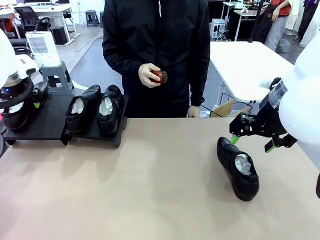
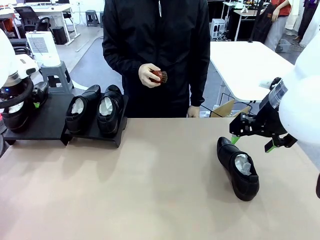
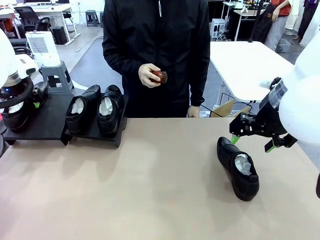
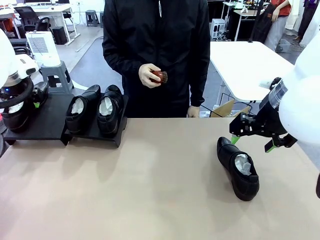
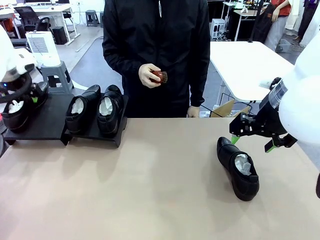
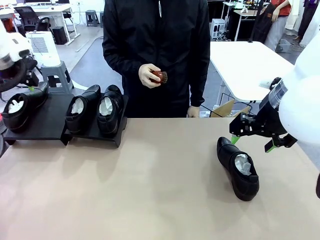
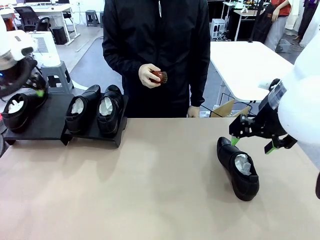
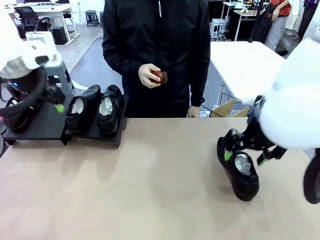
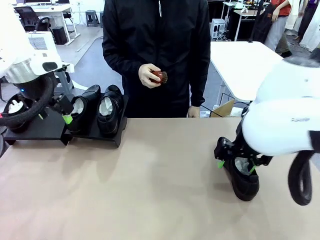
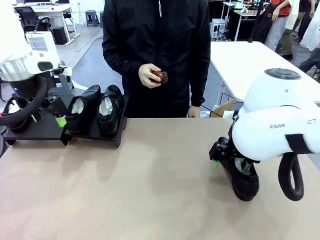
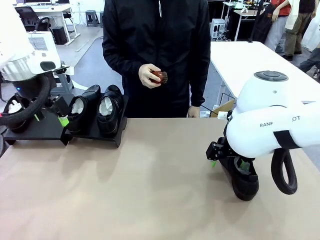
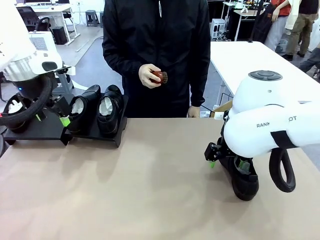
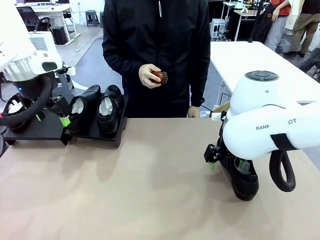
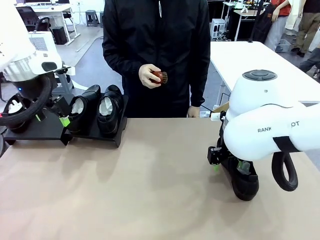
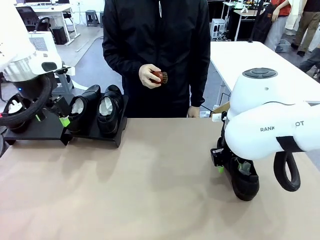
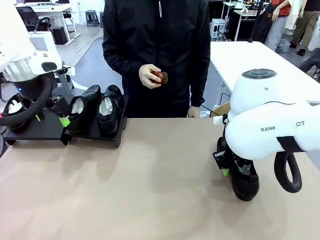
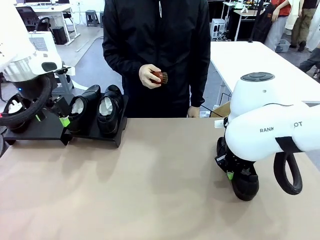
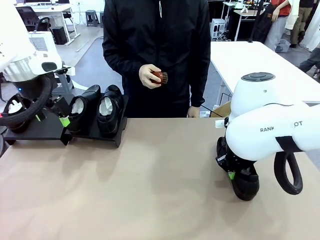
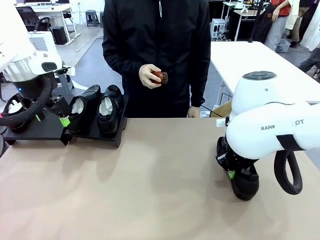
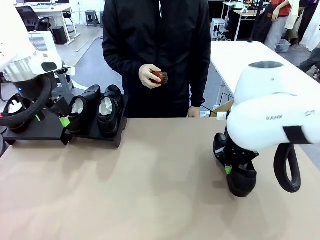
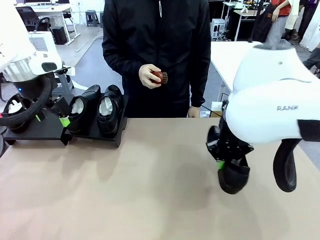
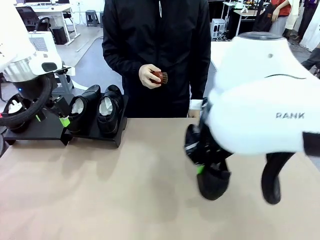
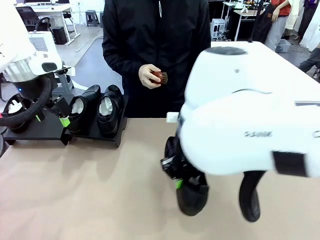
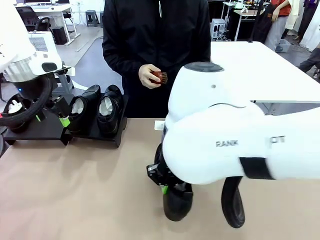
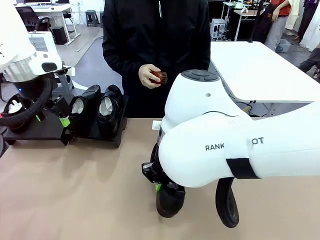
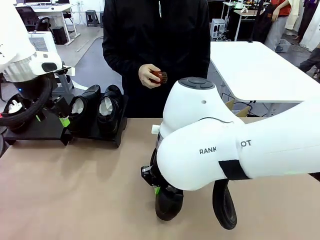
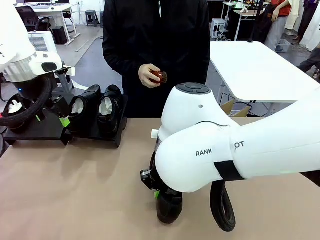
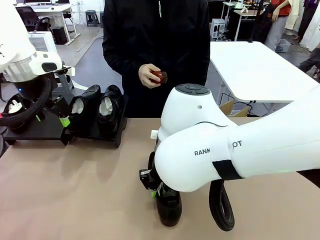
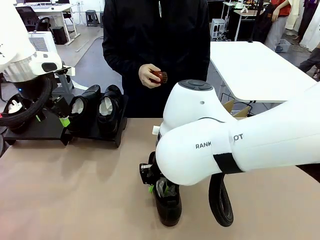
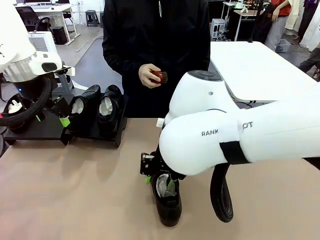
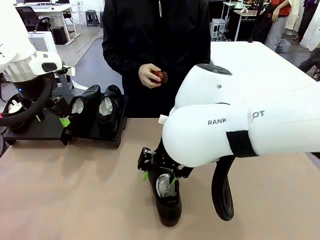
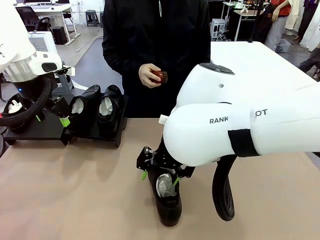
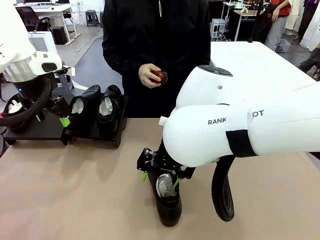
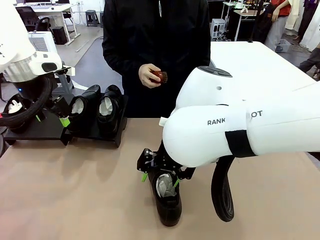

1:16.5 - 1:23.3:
Task: Organize the shoes by placing them on the stand.
Robot: Pick up one Shoe and place it in the middle of the table.

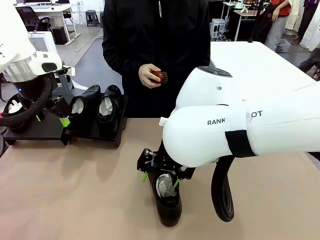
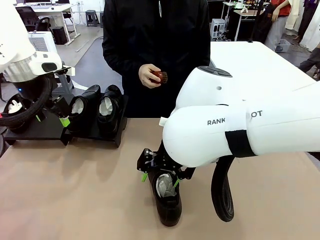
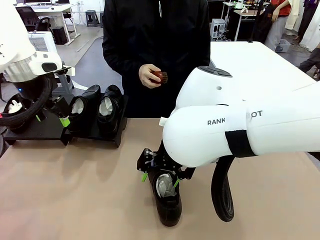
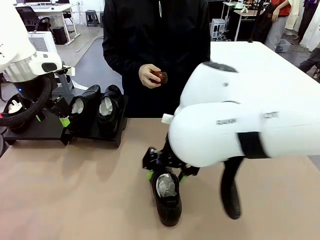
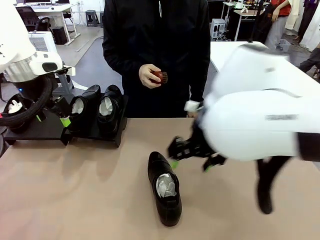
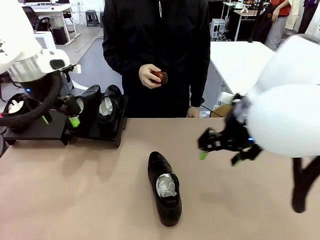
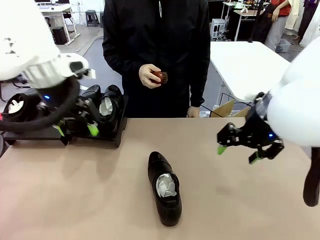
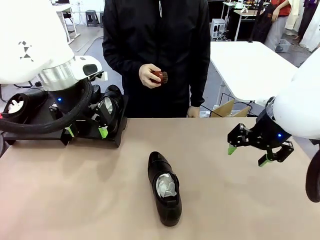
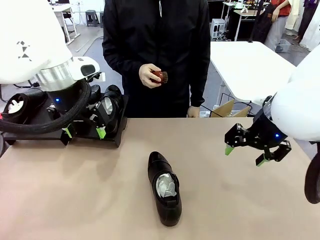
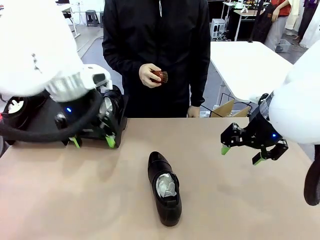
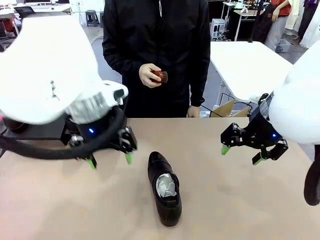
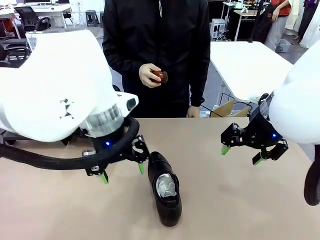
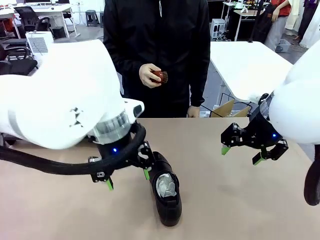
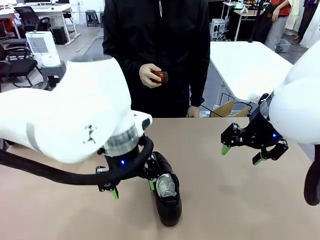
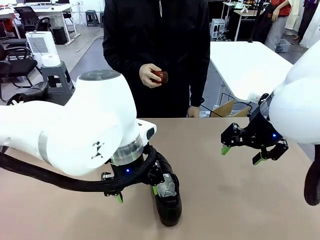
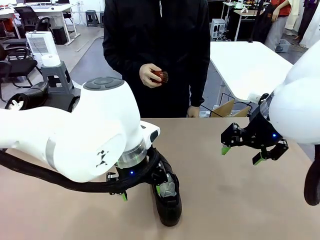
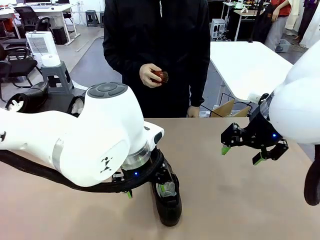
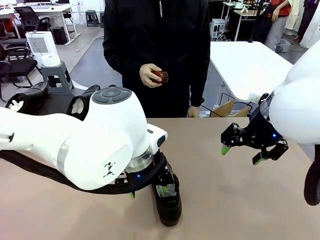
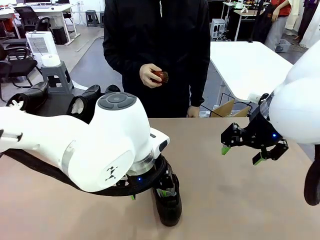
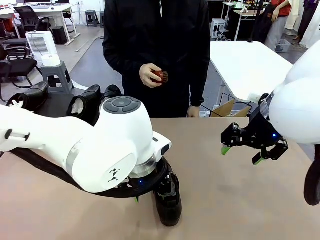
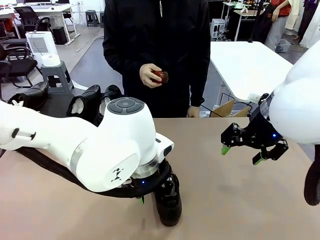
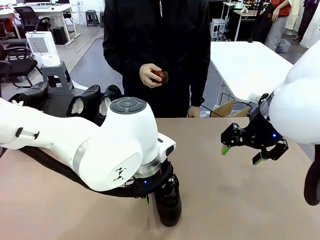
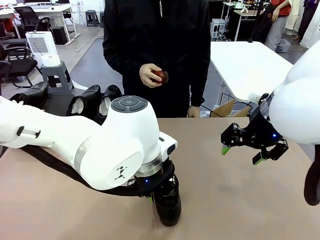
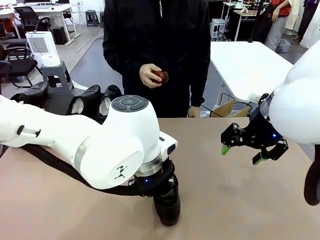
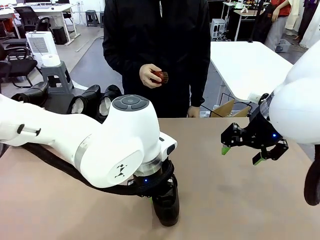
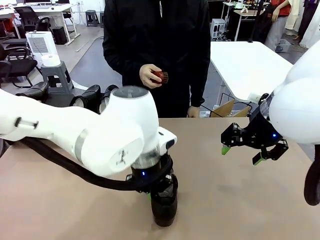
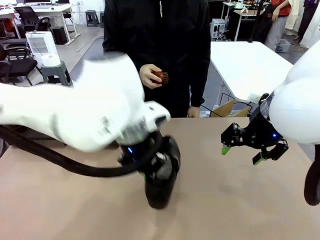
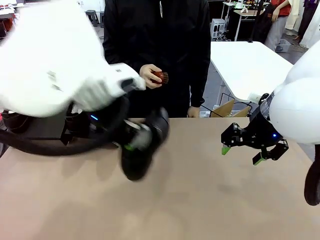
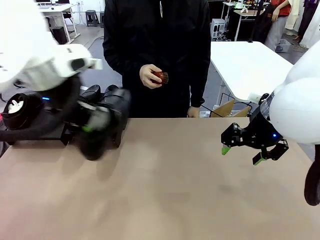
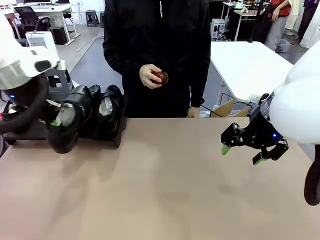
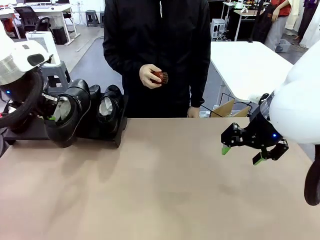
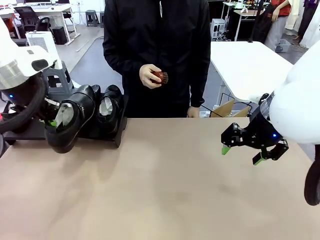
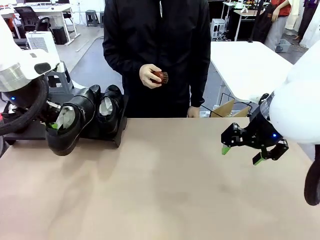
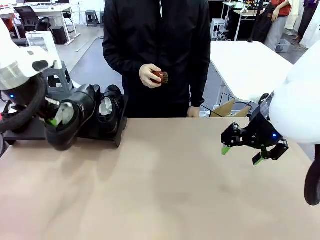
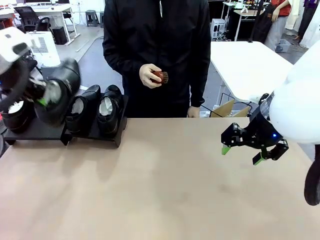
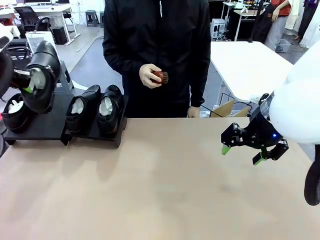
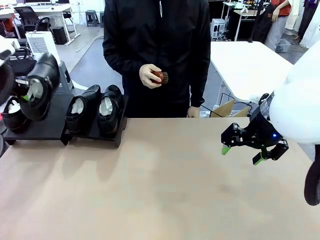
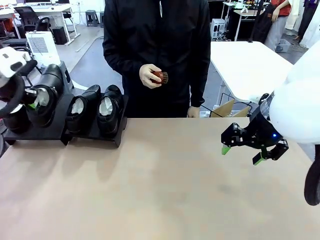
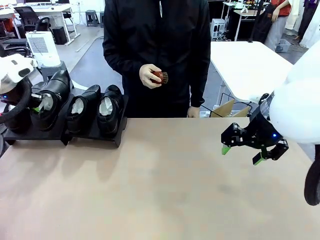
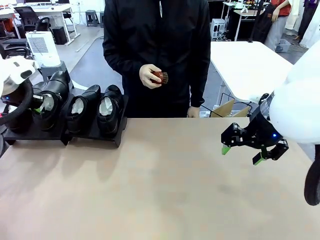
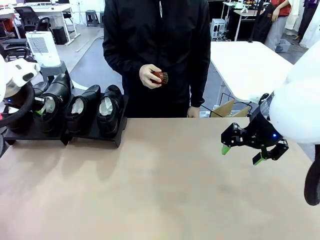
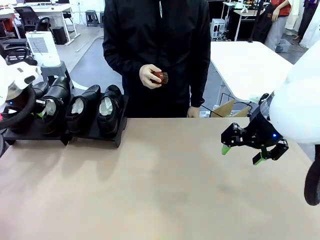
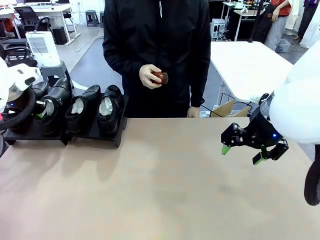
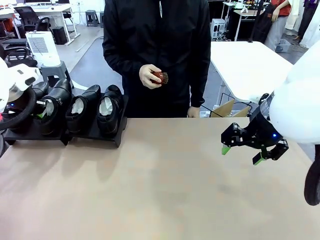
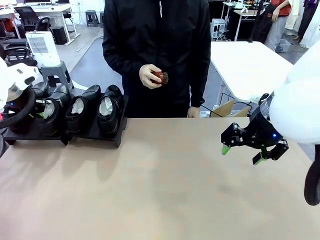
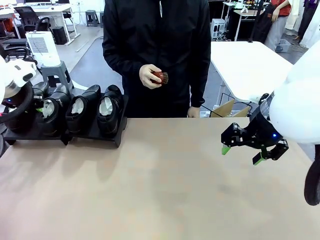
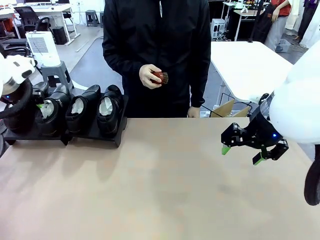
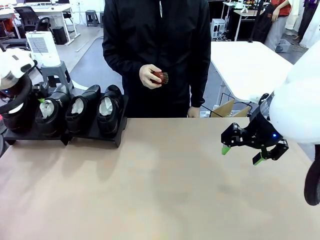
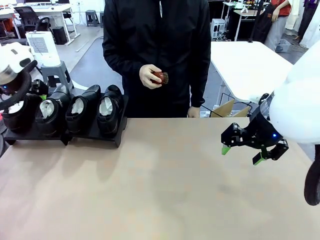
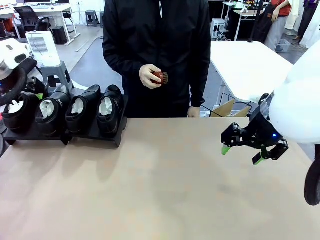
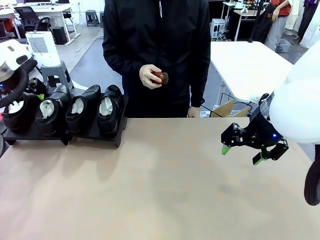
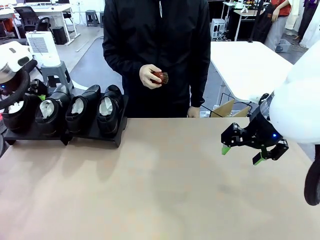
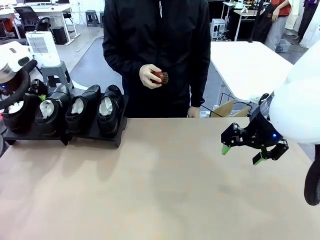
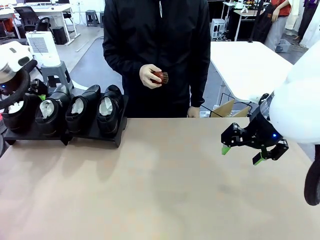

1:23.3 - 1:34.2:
Robot: Place the Shoe from the middle of the table onto the Shoes Stand.

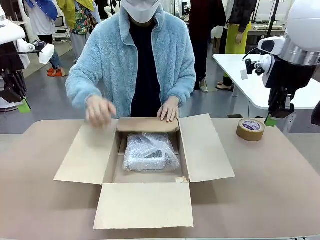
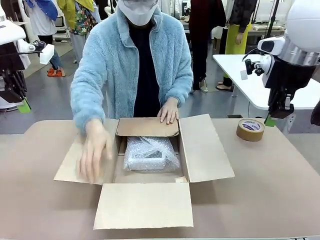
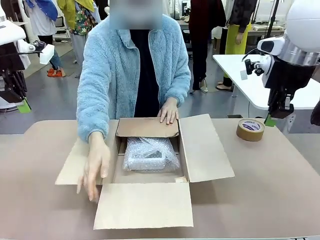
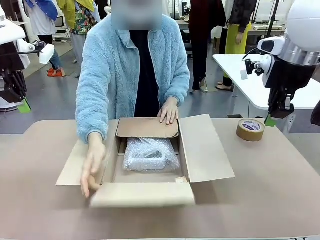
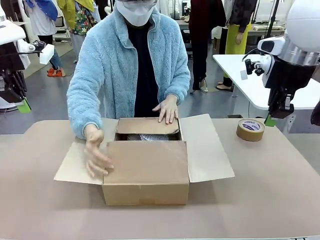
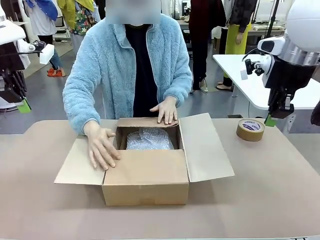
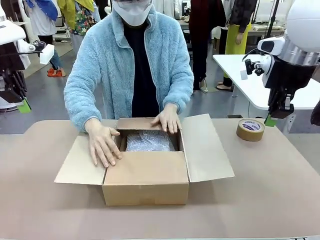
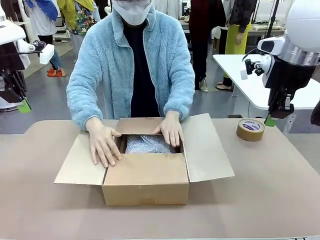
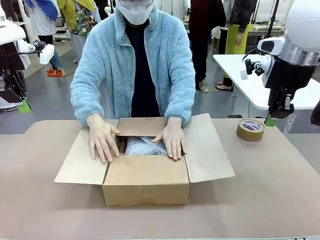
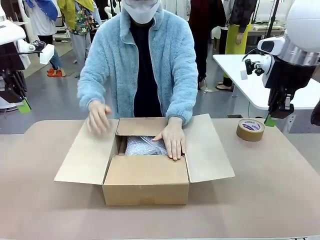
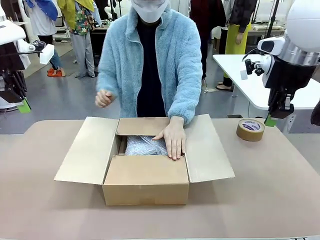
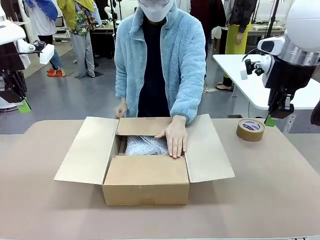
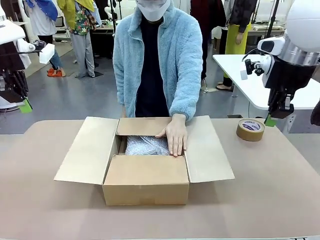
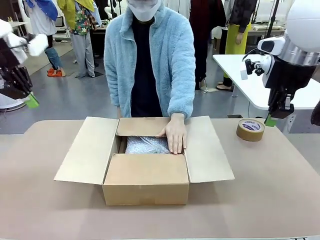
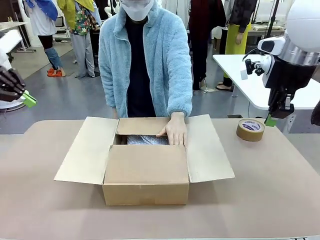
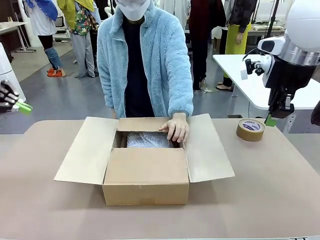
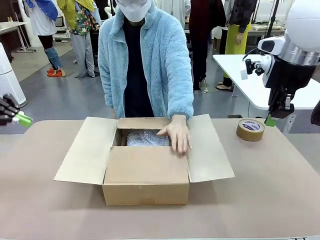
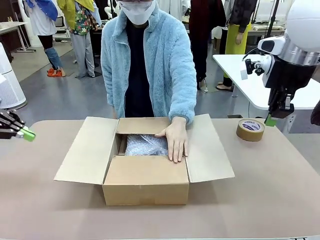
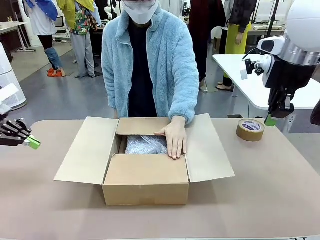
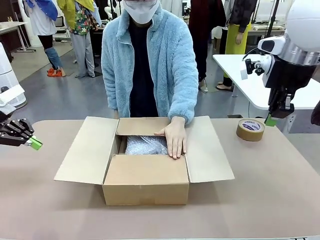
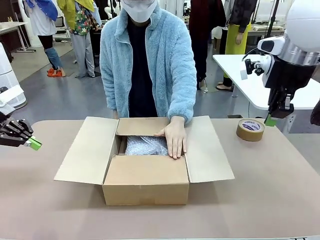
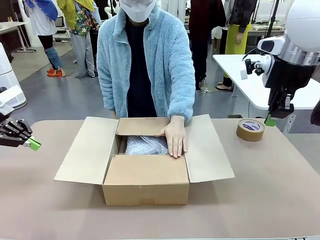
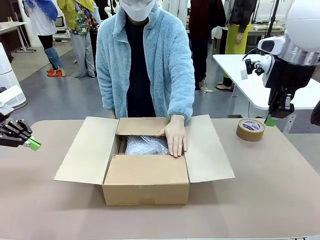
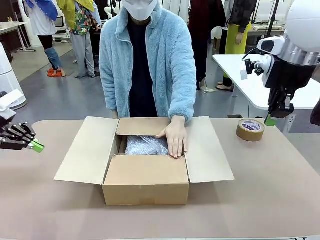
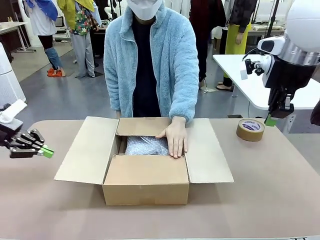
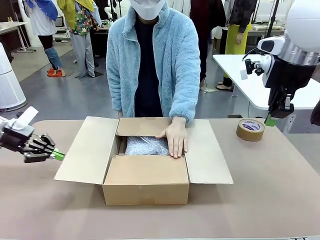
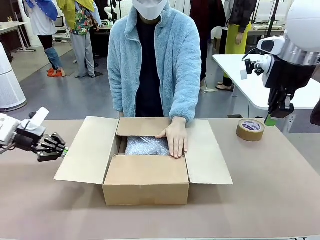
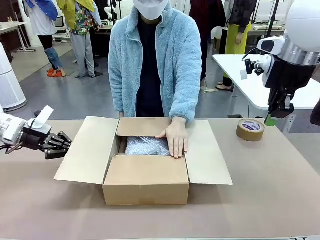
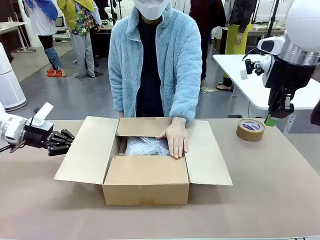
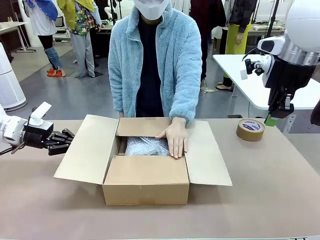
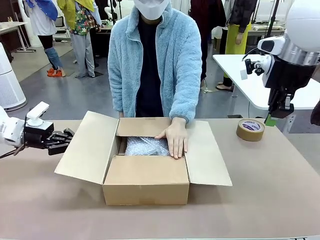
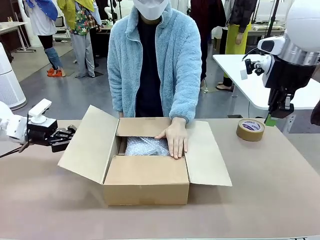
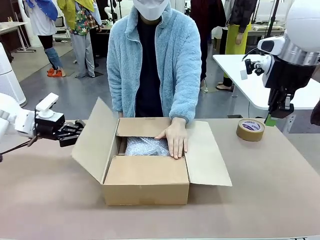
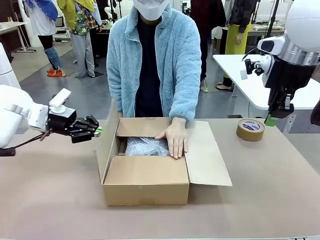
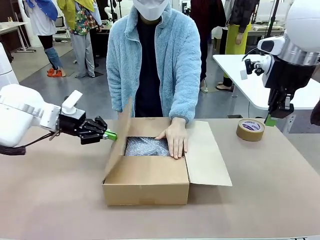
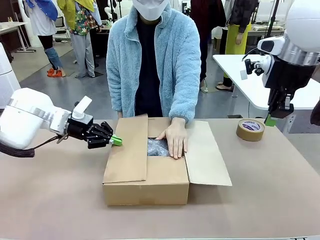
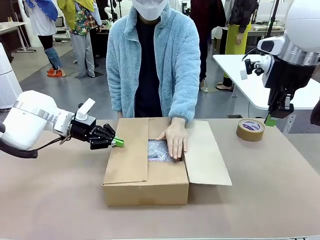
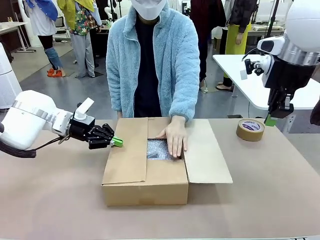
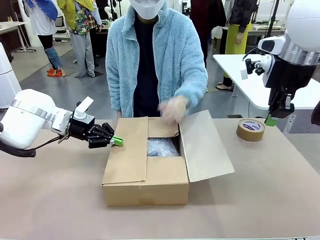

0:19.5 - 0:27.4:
Task: Wrap the clocks to prevent damage.
Robot: Push the right (or left) flap of the Package Box to close it.
Person: Hold the top and bottom flaps of the Package Box closed with your left (or right) hand. Once the robot closes the right flap of the Package Box , release your left hand from the box.
